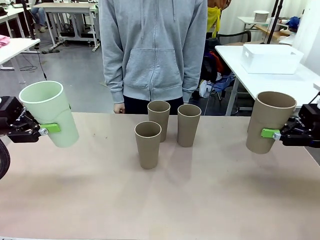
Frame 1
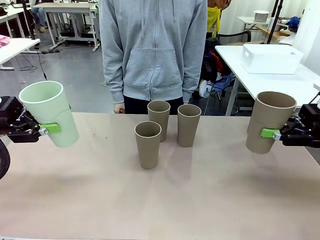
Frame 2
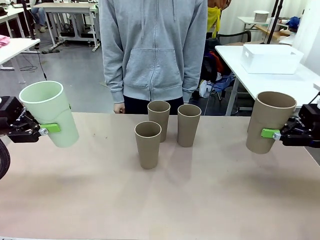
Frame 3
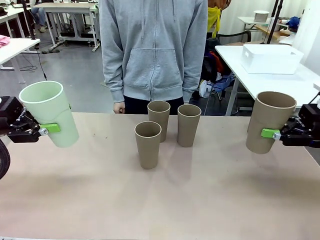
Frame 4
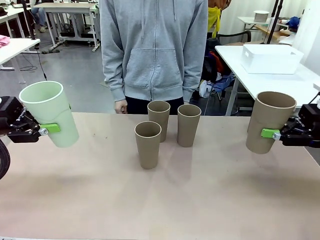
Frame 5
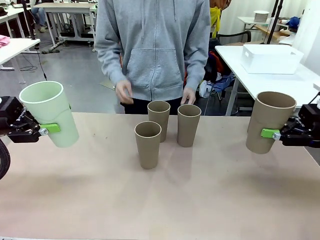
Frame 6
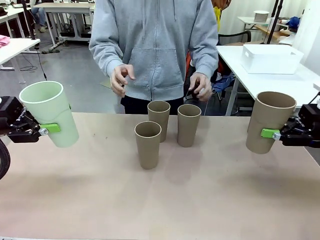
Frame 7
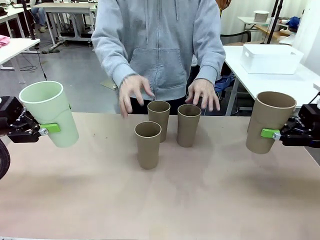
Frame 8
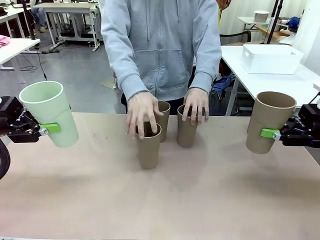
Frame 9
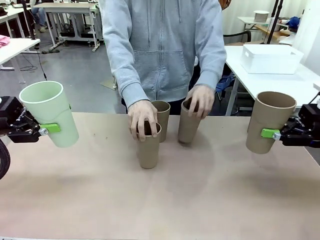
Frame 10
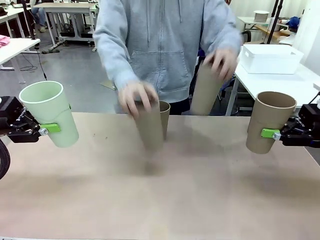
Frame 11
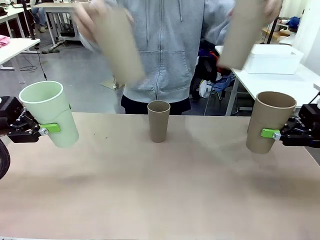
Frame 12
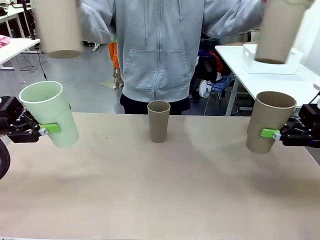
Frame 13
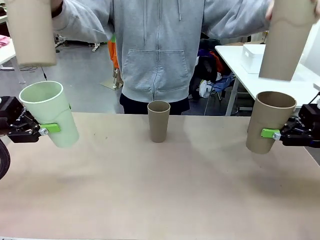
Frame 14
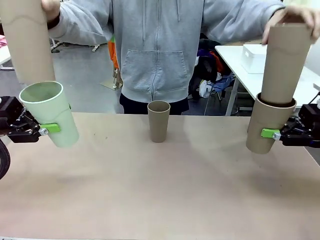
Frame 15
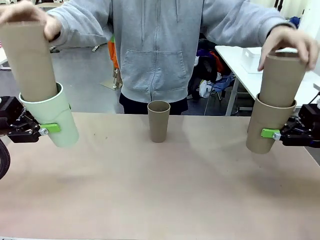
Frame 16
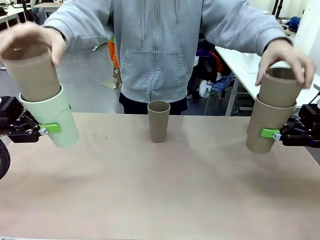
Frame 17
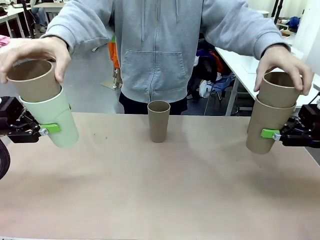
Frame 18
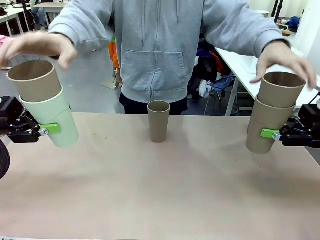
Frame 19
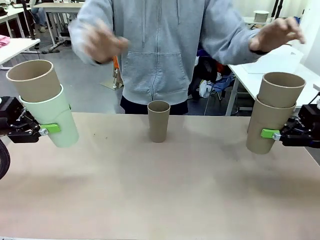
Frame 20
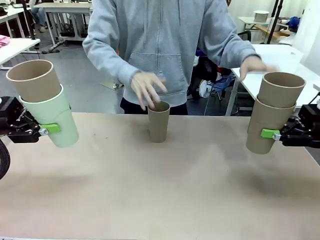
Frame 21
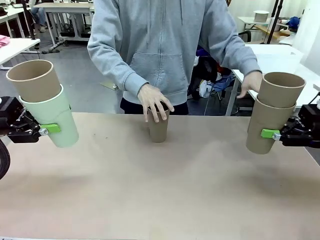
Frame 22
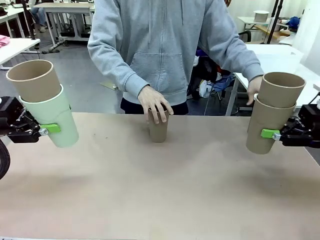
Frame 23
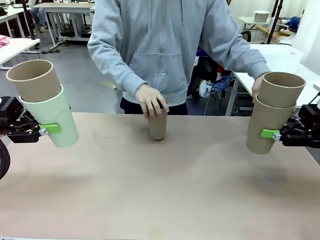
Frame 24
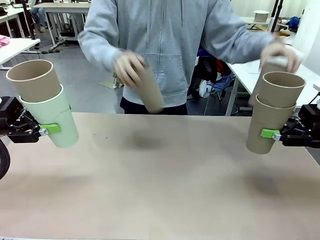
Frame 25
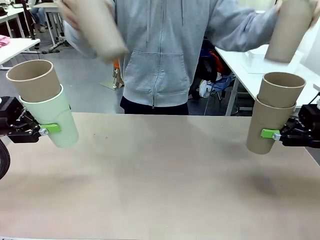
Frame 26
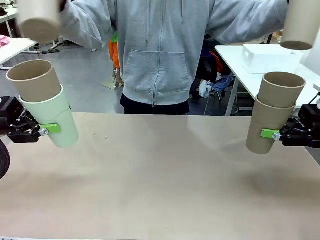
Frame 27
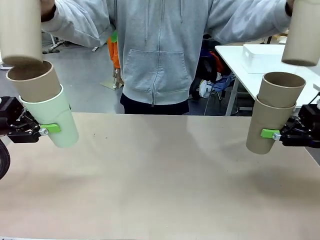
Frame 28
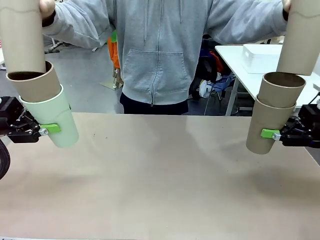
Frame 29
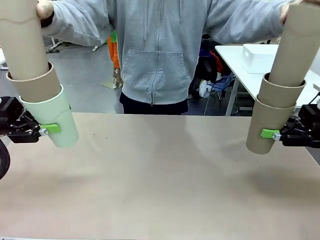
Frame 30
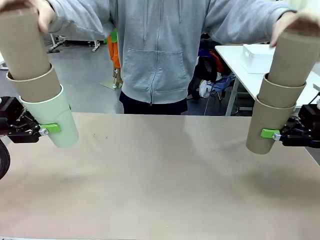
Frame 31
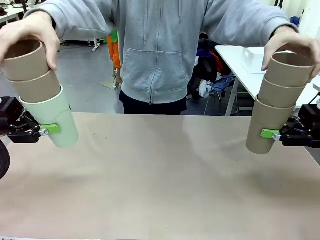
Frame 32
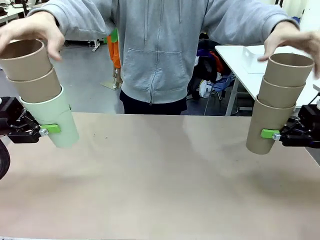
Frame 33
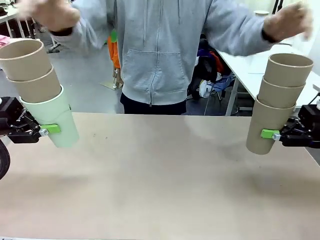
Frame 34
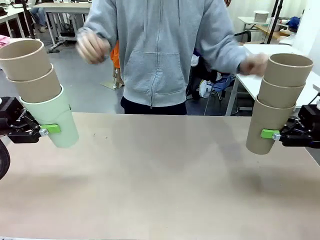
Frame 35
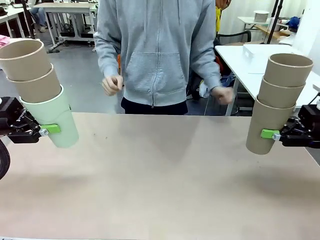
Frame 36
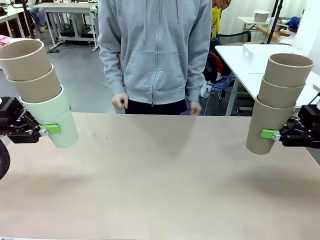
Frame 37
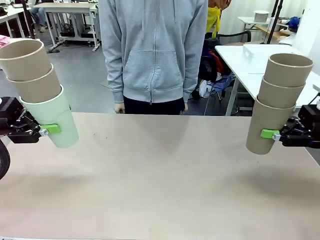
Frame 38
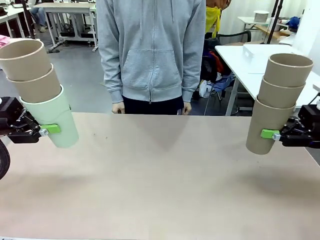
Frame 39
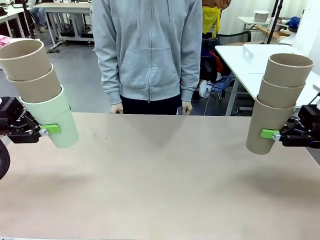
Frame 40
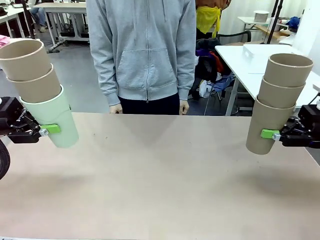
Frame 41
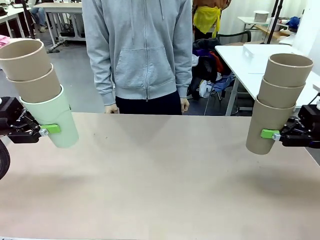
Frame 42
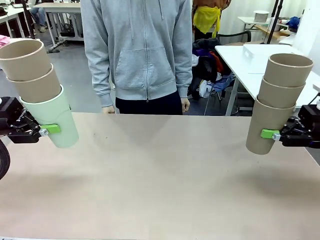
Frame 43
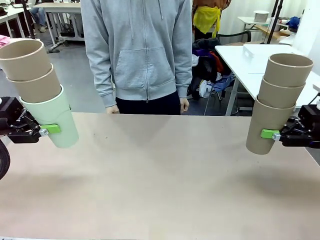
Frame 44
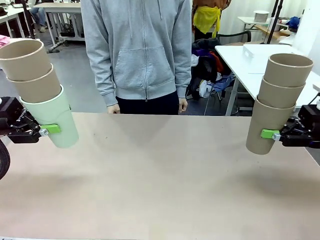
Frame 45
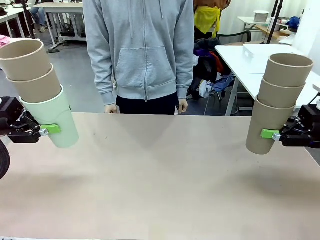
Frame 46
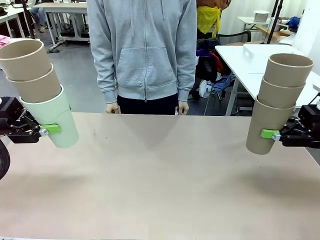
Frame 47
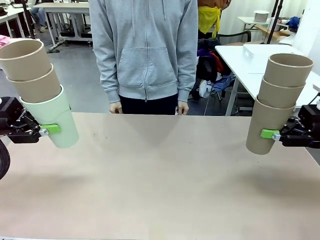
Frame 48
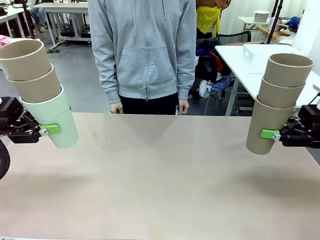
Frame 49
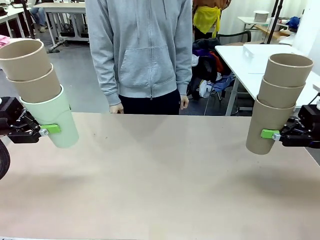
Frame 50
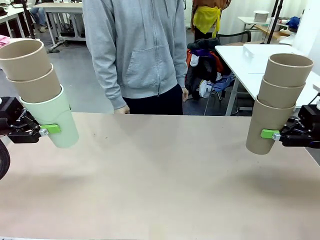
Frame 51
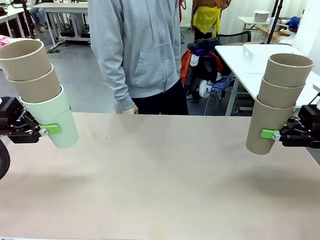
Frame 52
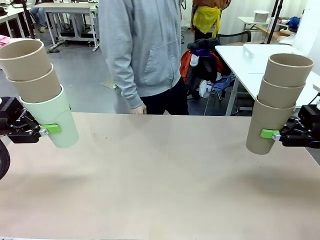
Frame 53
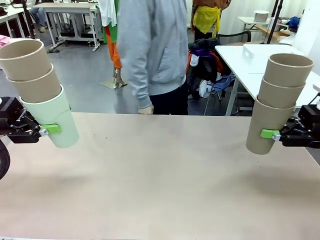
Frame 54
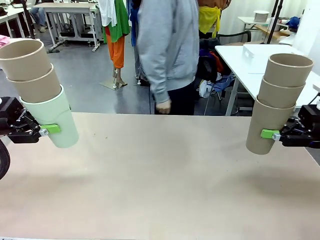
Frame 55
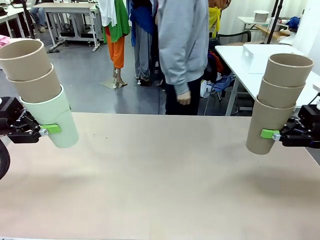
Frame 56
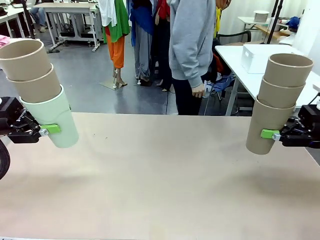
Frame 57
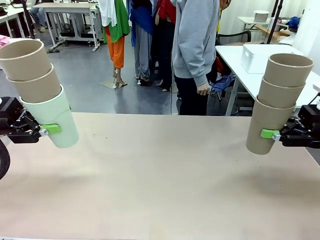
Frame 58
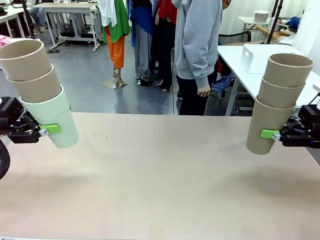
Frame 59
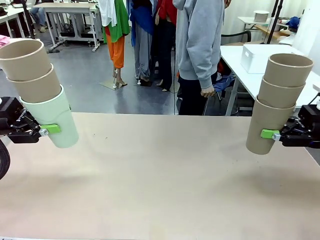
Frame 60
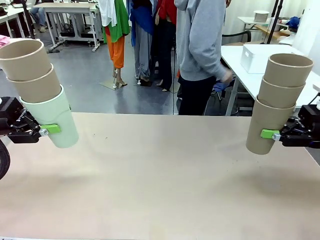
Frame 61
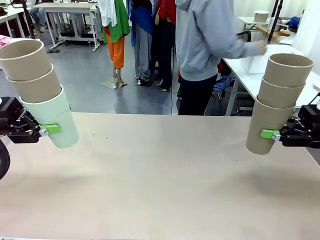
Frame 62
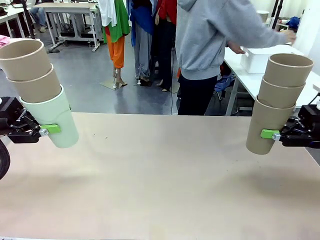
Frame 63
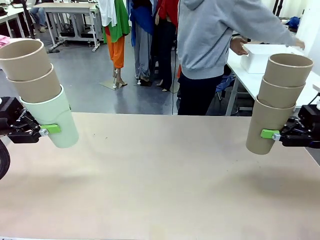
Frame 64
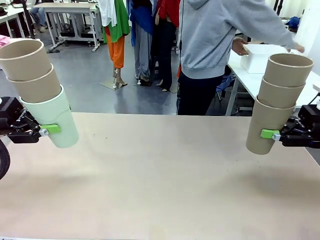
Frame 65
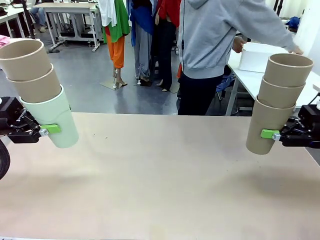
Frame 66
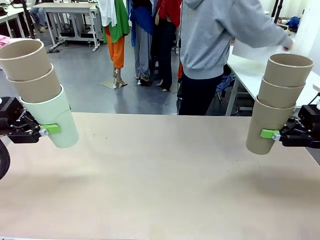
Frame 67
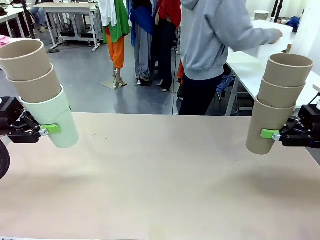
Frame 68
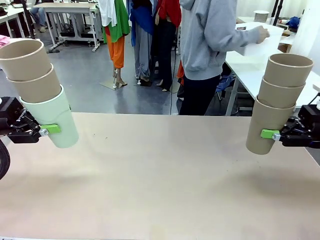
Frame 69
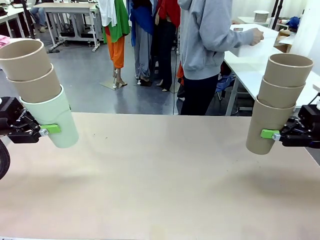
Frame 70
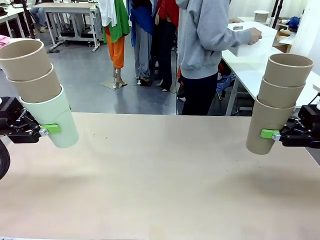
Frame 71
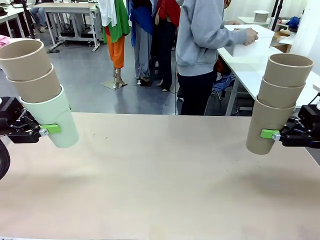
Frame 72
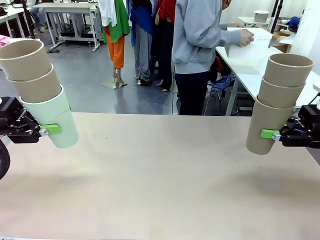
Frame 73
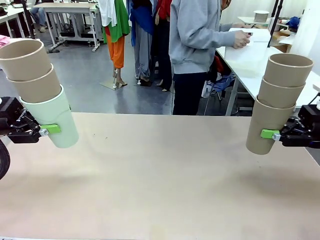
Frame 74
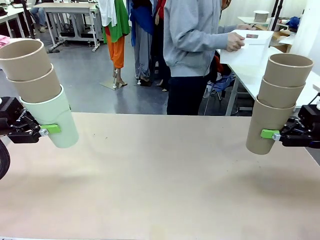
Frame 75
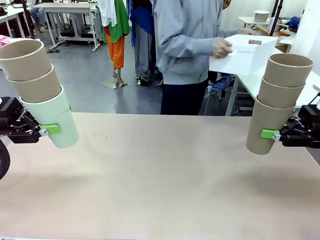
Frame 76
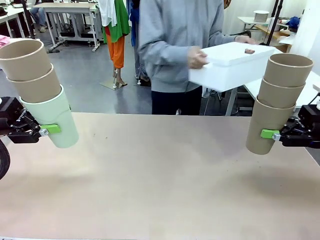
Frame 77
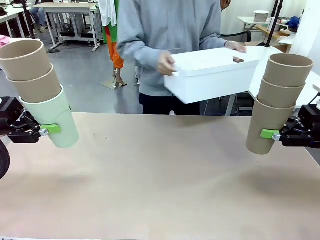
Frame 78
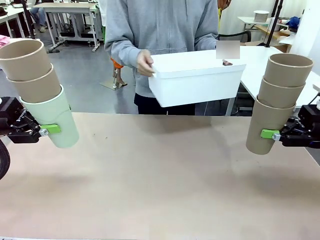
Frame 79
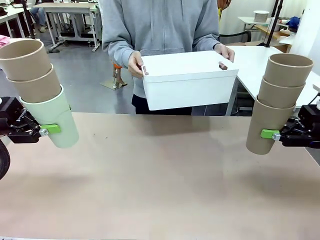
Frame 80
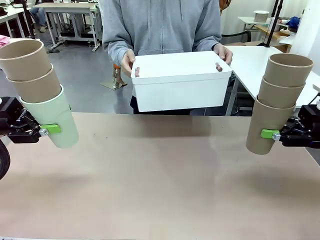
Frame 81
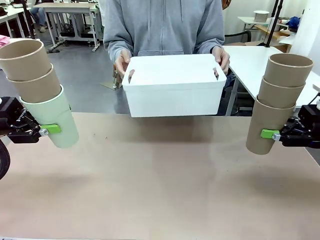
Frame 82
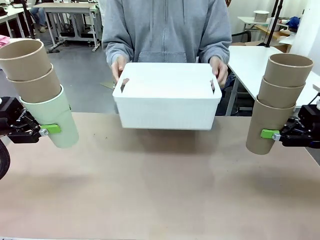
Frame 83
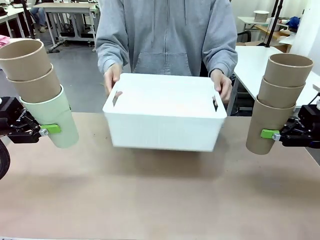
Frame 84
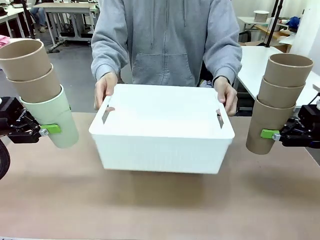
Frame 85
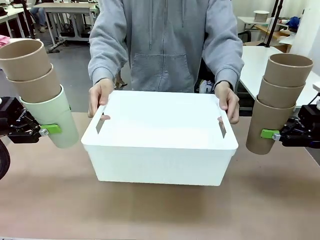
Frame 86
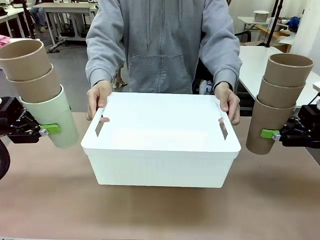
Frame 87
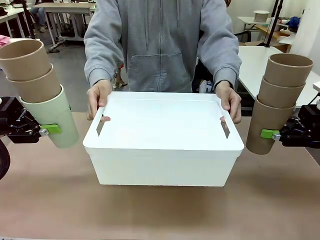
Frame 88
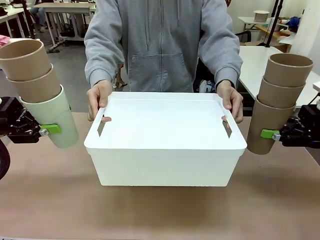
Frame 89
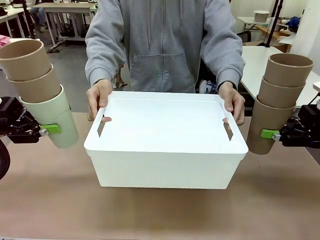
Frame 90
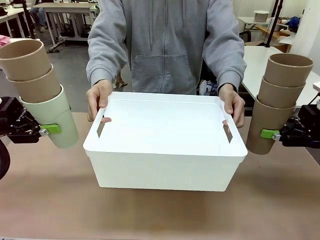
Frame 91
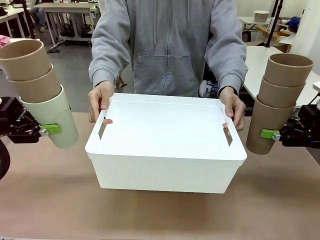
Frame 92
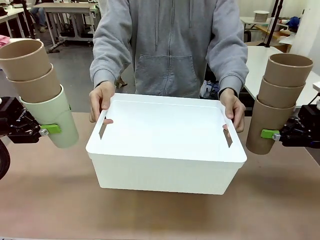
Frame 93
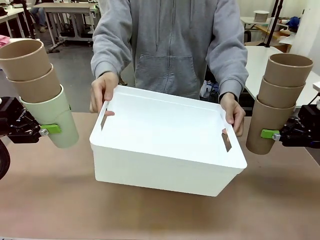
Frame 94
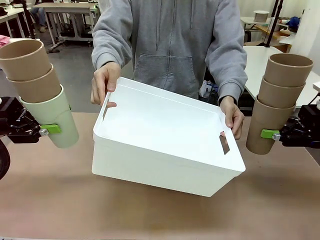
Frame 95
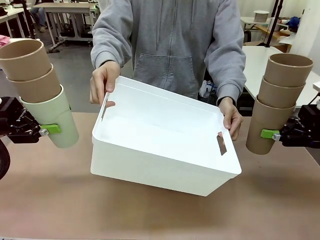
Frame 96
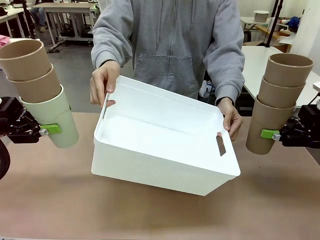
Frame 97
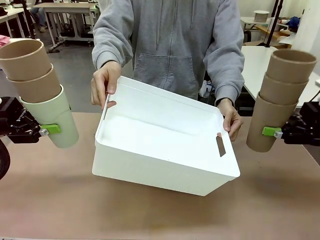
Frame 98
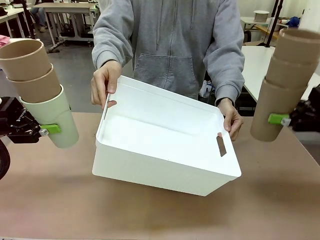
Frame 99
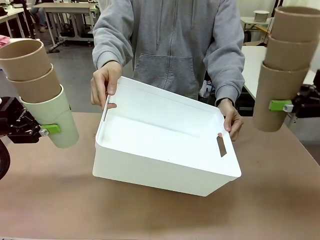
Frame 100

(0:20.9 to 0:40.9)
Task: Stack the cups and store them in the basket.
Robot: Place the stack of Reusable plastic cups into the Pantry Basket.
Person: Pick up the basket from the Human Table, bring it to the front of the robot, and present it.
